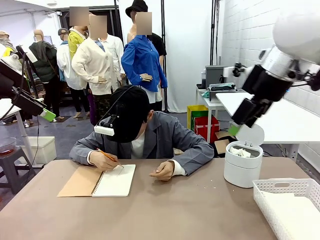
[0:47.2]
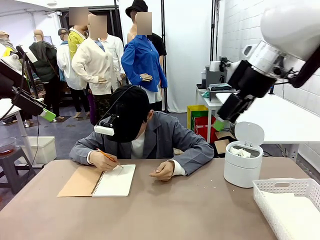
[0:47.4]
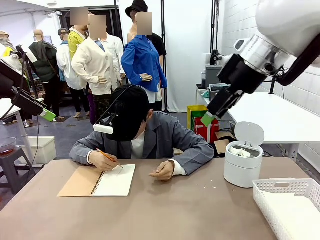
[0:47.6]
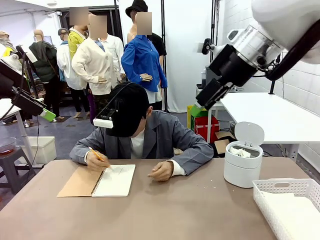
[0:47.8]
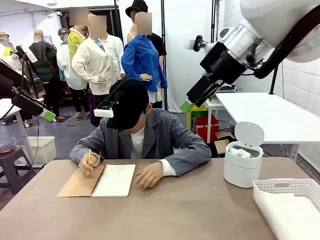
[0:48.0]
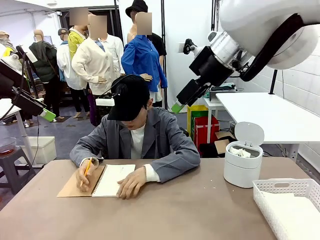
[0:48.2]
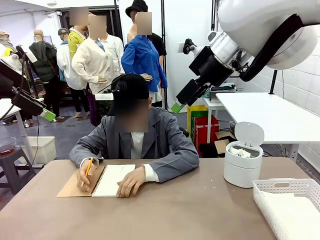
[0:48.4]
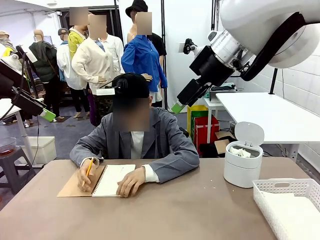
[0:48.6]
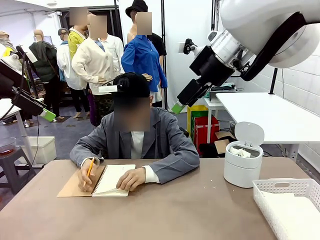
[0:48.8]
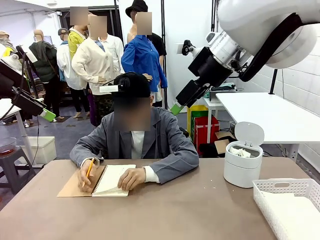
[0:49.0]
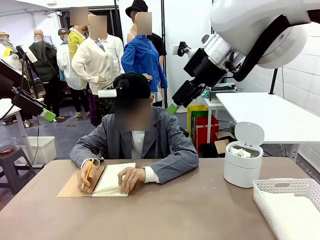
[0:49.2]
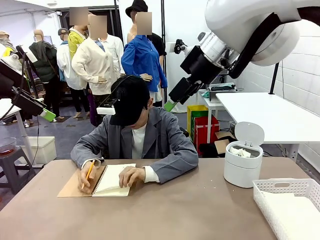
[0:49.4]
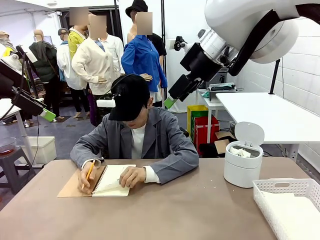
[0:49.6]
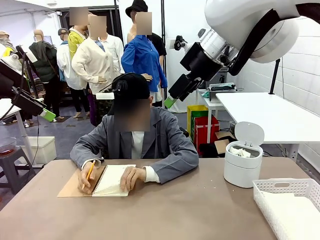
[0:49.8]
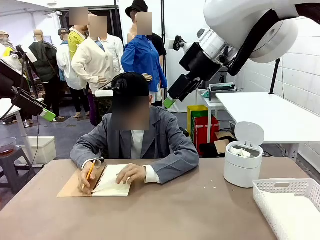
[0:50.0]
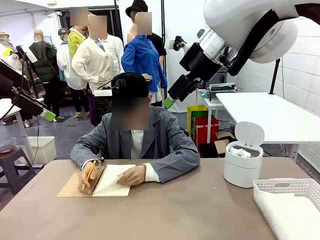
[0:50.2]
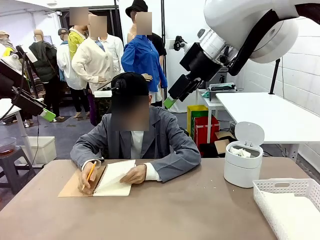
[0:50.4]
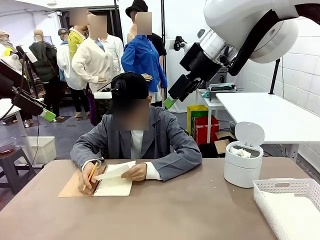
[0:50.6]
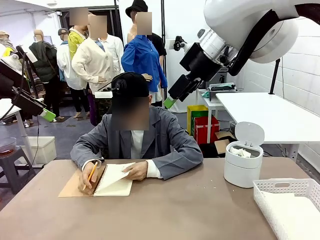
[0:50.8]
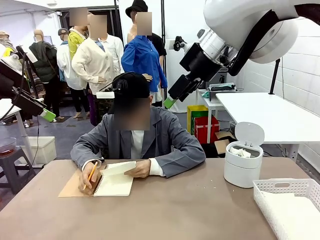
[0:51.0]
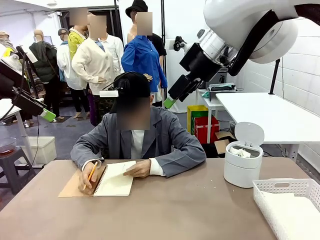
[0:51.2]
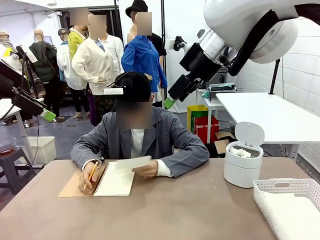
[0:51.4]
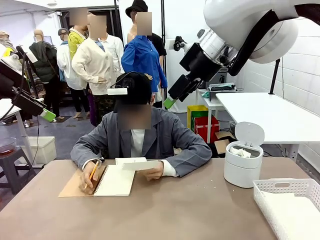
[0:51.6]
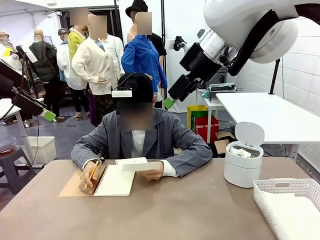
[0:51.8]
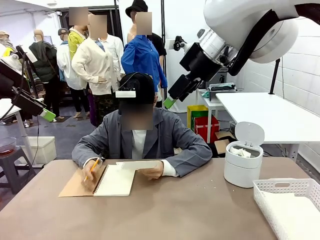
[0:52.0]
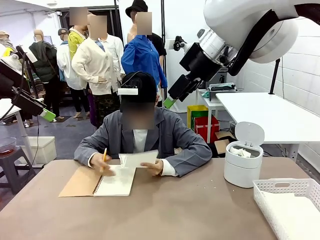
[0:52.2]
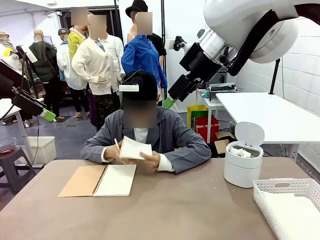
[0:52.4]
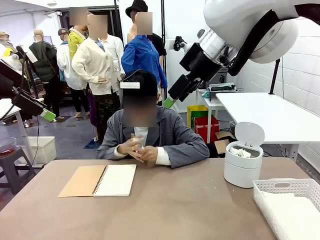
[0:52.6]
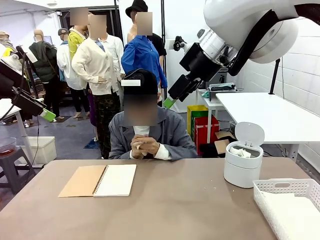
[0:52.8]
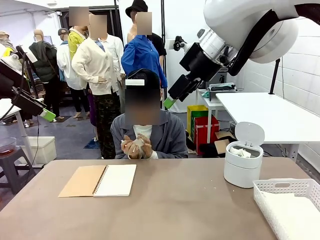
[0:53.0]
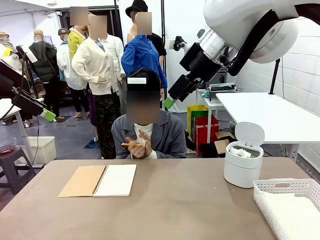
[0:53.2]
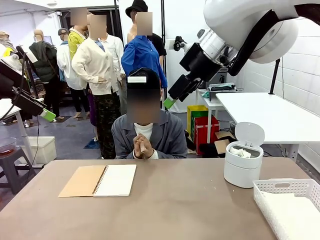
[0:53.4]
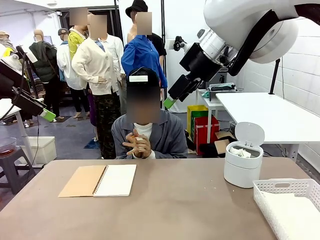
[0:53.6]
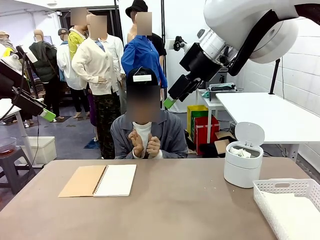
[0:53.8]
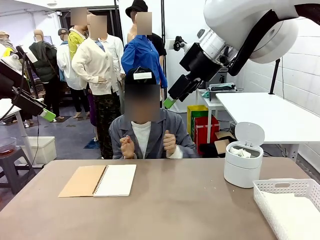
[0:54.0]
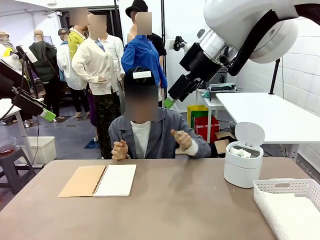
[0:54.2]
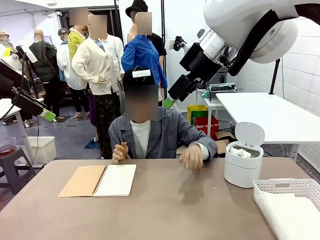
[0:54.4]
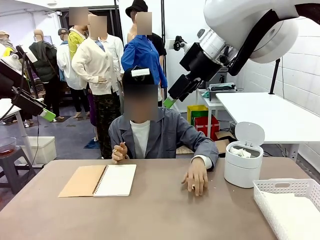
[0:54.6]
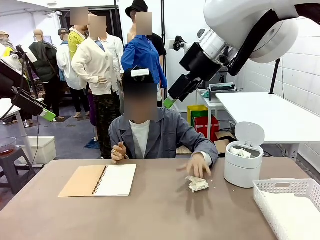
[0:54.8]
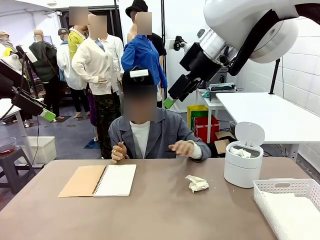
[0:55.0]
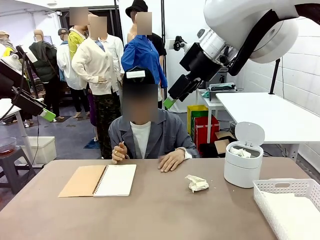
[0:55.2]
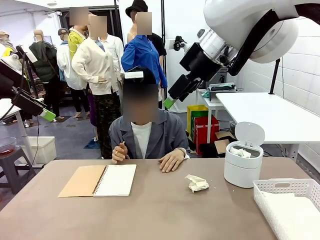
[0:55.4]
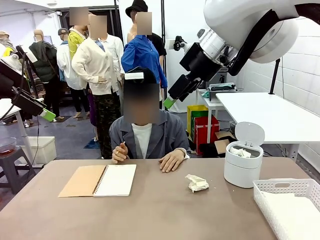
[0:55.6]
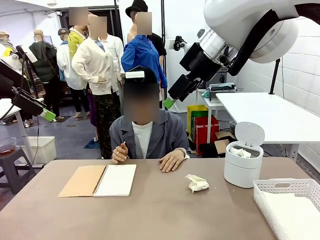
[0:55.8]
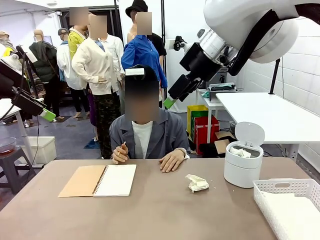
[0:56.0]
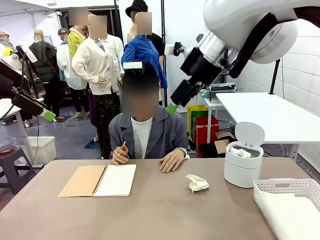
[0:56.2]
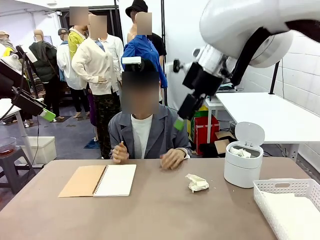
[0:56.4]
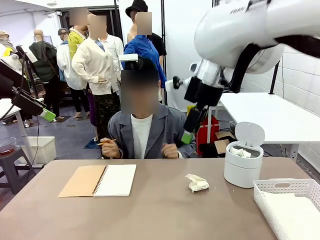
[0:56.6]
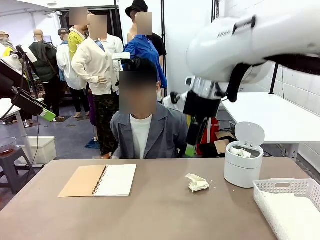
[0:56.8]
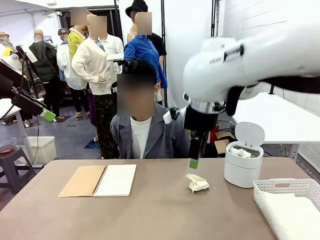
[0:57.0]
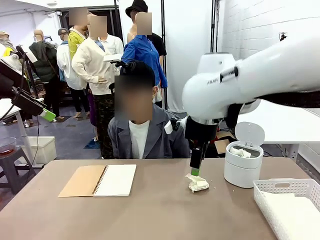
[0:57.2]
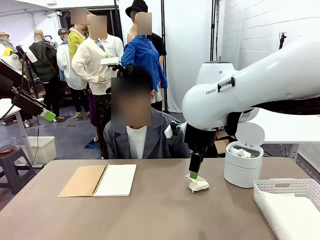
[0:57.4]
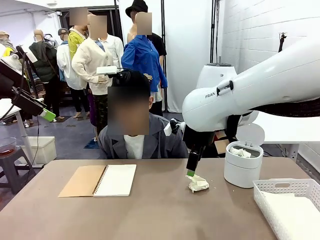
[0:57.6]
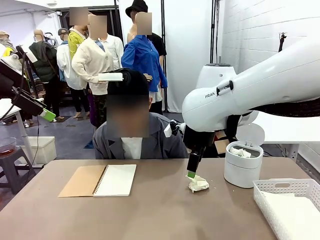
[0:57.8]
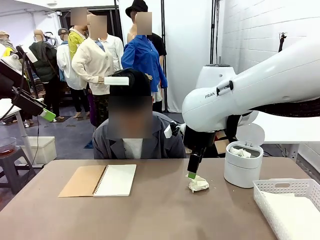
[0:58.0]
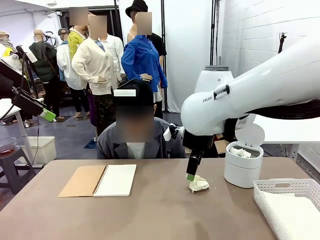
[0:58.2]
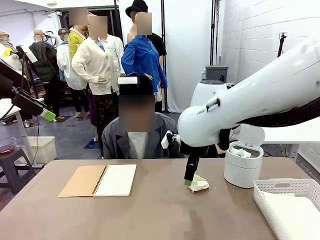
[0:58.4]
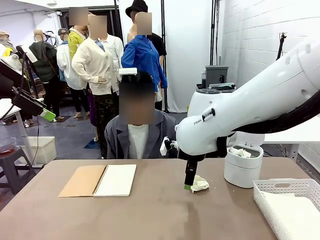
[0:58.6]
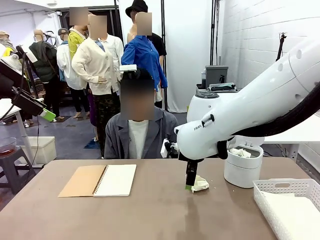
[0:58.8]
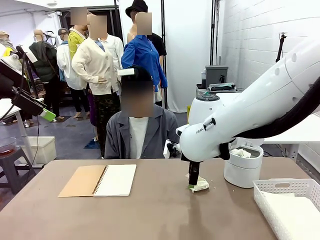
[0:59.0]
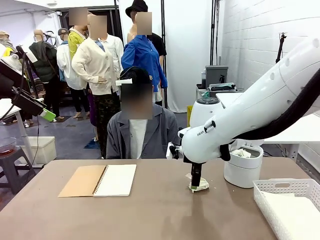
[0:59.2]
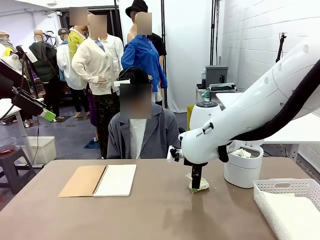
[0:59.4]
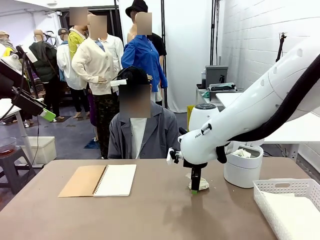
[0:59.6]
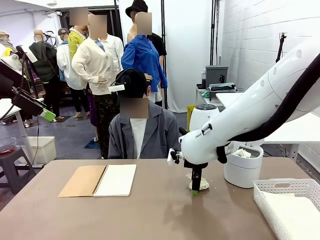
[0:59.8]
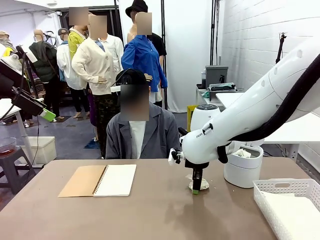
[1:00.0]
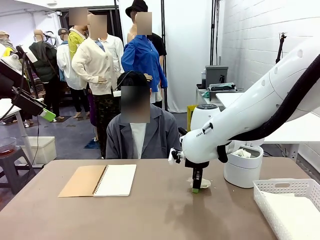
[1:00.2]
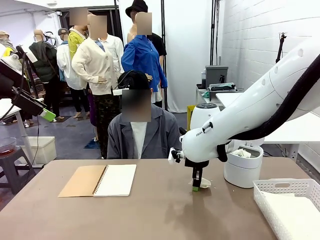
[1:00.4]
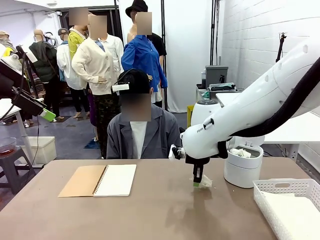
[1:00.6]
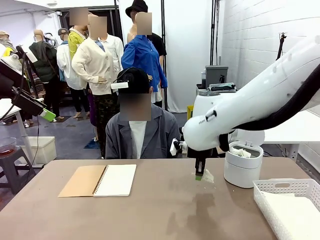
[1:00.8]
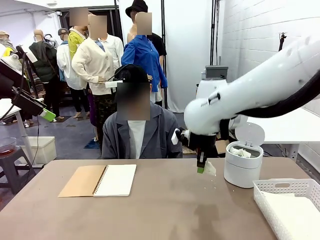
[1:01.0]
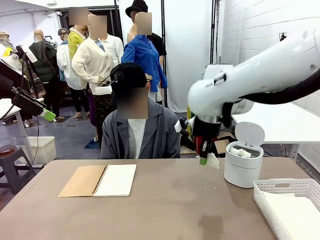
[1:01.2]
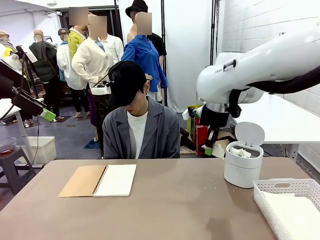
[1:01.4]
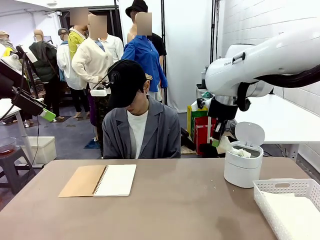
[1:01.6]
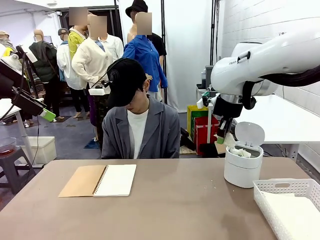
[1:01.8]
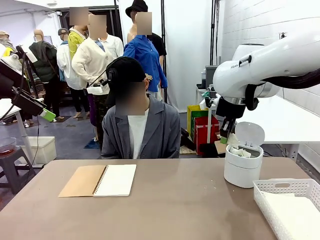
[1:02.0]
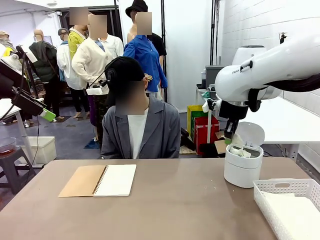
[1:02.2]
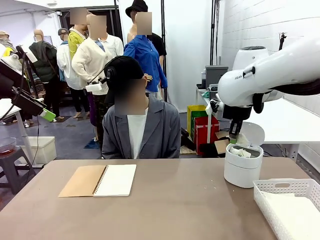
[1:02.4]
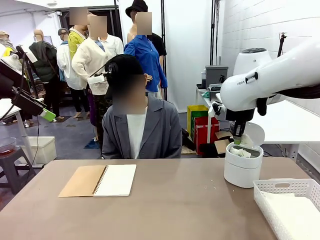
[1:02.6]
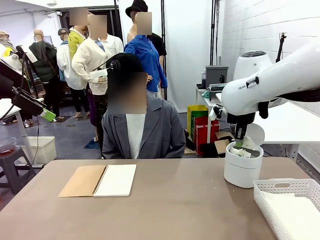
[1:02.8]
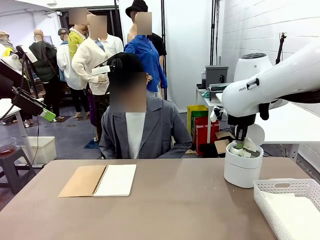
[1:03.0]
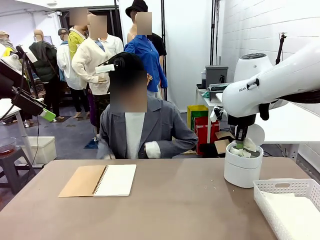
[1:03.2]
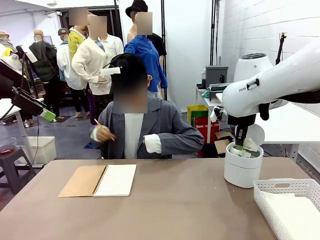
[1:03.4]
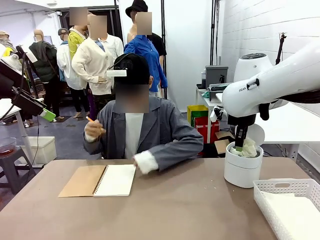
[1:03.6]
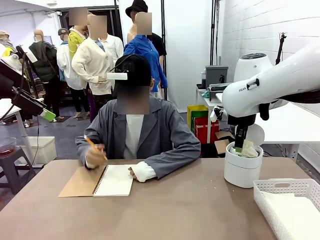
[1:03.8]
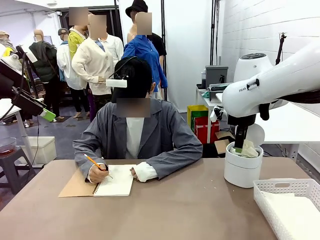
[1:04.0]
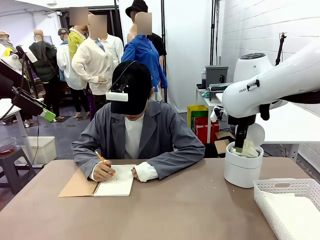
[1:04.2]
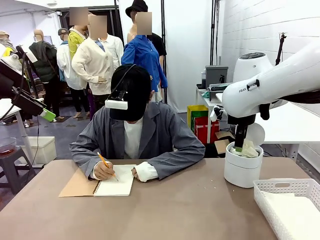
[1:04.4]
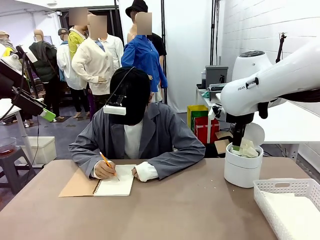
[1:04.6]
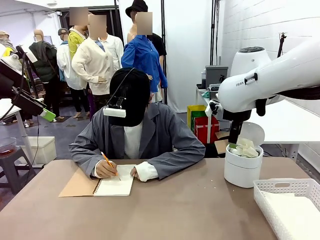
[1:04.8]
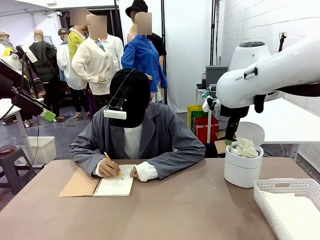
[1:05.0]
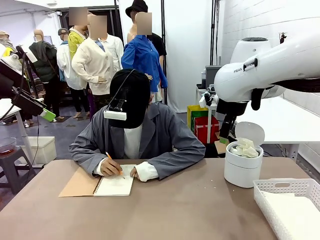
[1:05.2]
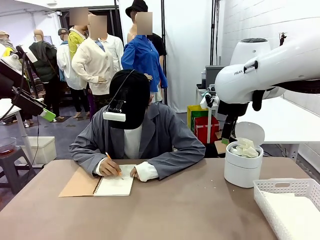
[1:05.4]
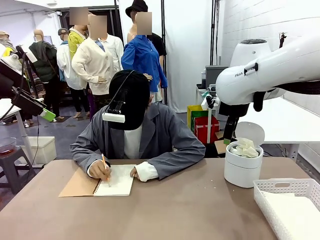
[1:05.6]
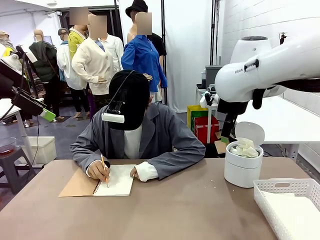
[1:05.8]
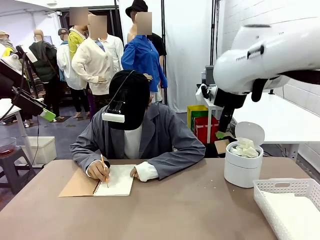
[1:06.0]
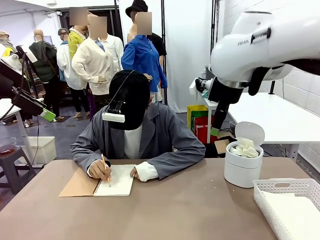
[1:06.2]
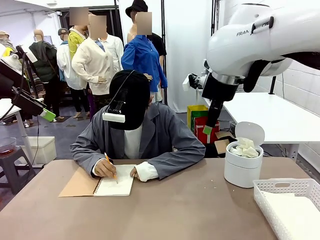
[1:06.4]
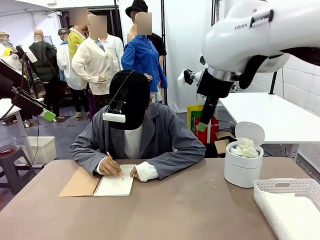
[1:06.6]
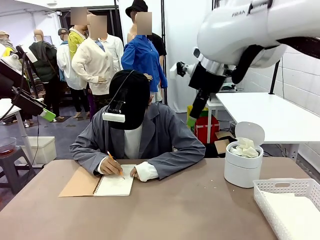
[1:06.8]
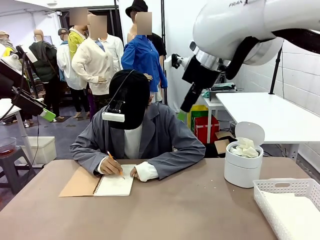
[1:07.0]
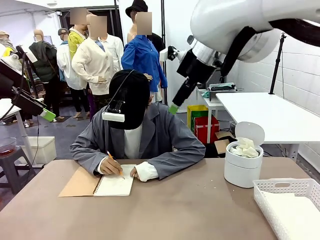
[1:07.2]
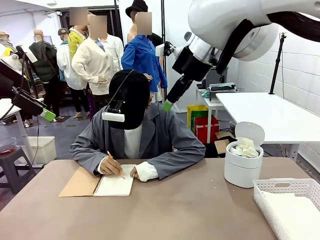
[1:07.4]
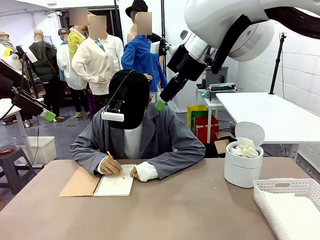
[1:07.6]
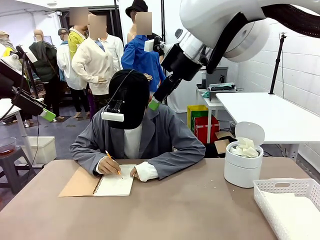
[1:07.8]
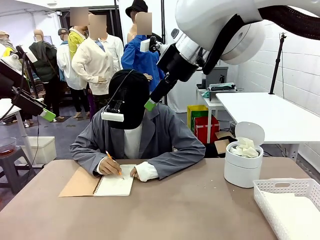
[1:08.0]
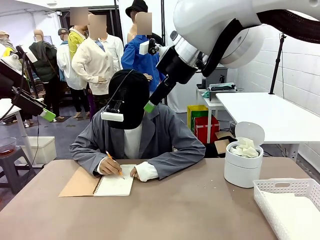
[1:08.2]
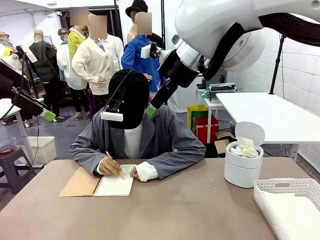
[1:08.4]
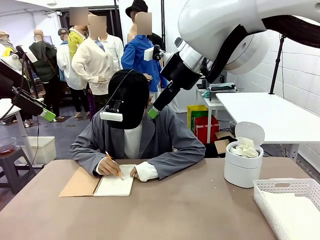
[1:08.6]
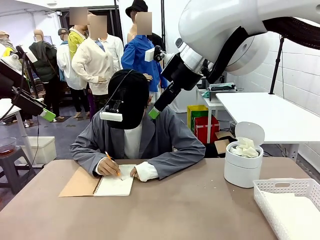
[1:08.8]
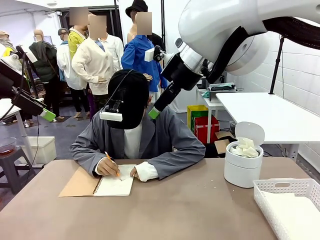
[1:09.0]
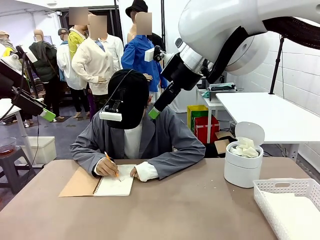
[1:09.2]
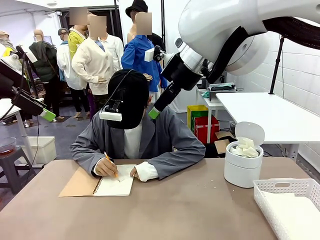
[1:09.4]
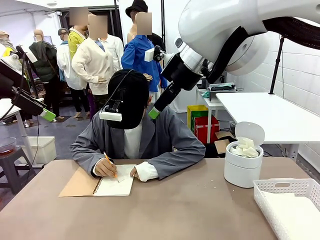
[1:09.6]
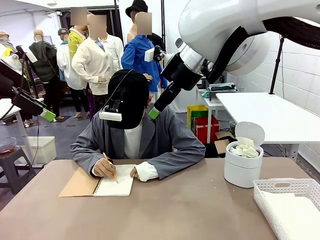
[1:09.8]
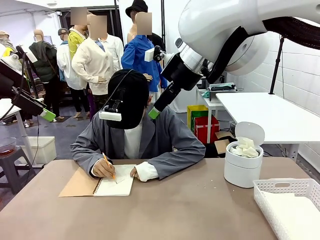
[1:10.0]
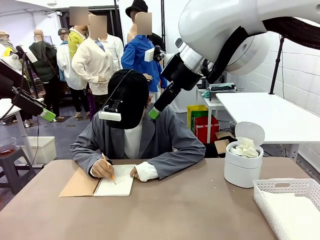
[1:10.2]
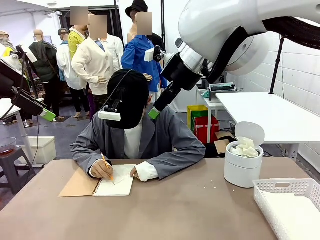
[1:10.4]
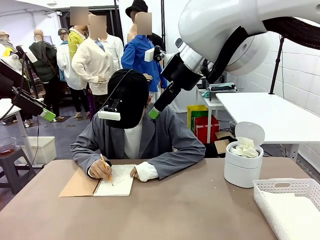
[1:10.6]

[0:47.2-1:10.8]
Task: Sort the paper based on its condition.
Robot: If a person hands you a paper, place it in the Organizing basket , and if it's crumpled, put it in the Trash can.
Person: Hand the torn page to the robot or crumple it and throw it to the center of the table.
